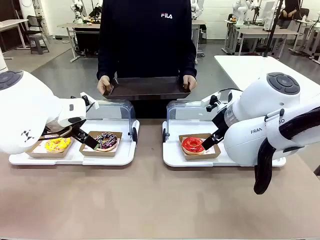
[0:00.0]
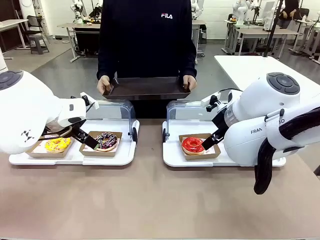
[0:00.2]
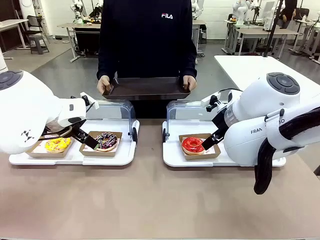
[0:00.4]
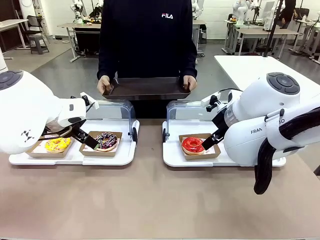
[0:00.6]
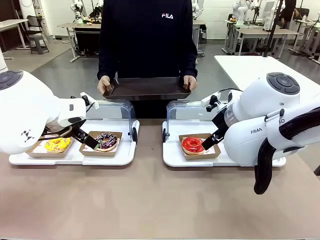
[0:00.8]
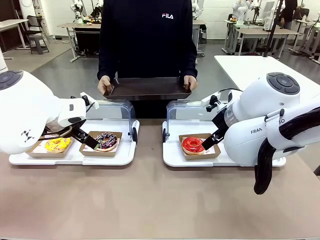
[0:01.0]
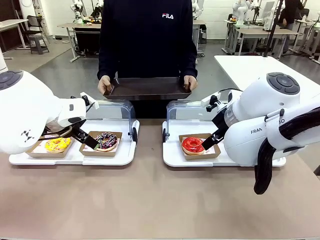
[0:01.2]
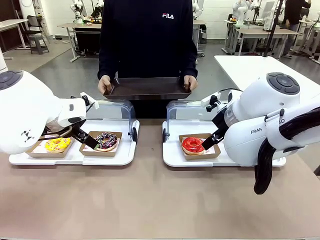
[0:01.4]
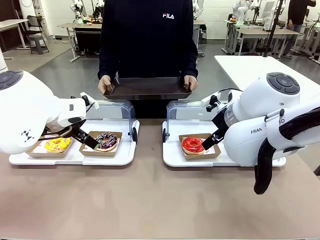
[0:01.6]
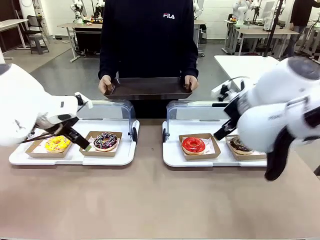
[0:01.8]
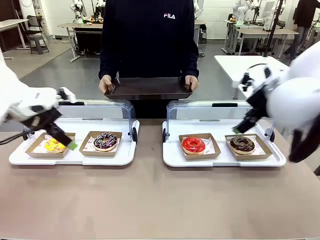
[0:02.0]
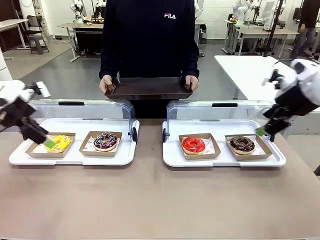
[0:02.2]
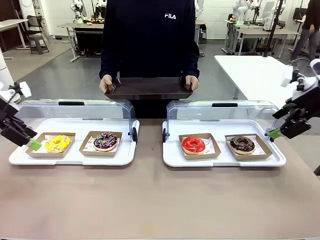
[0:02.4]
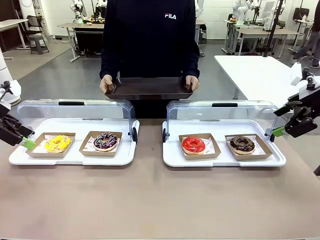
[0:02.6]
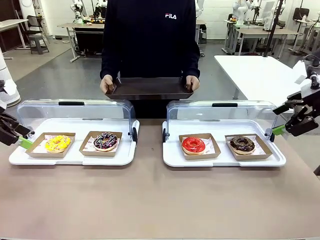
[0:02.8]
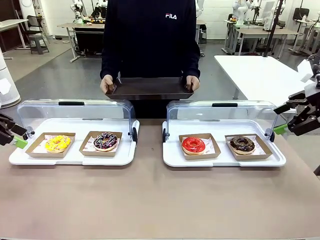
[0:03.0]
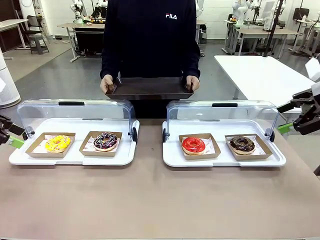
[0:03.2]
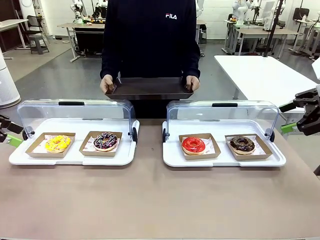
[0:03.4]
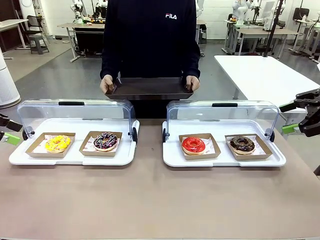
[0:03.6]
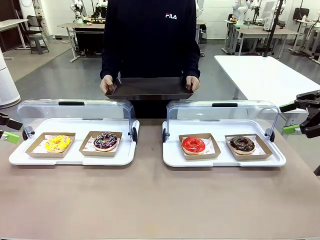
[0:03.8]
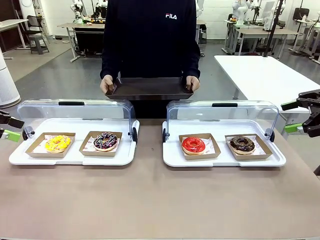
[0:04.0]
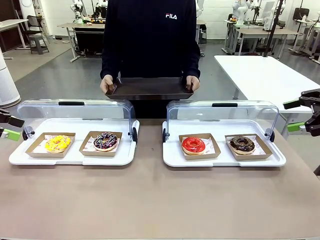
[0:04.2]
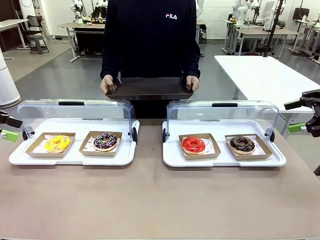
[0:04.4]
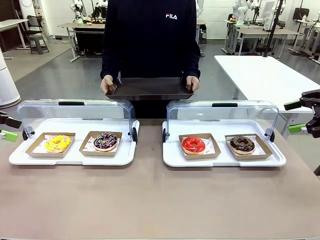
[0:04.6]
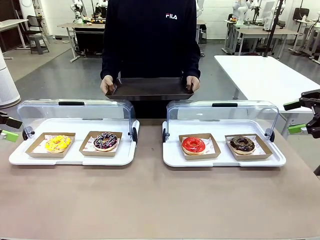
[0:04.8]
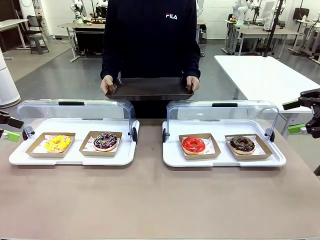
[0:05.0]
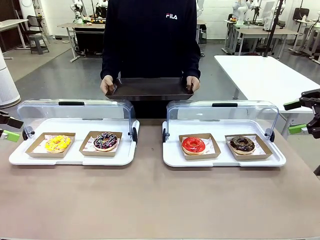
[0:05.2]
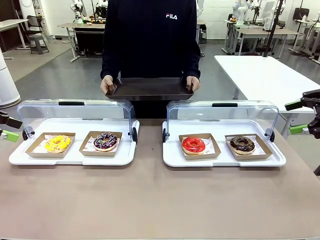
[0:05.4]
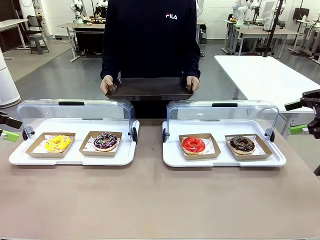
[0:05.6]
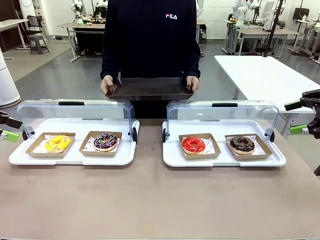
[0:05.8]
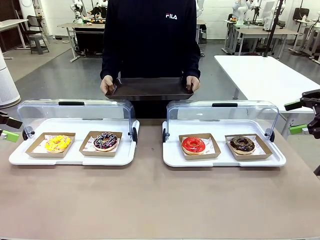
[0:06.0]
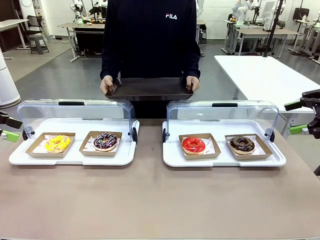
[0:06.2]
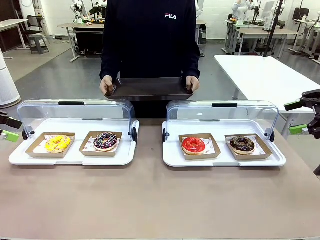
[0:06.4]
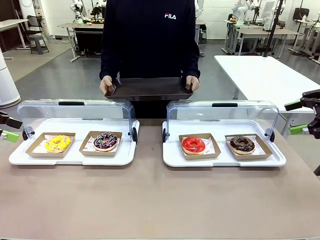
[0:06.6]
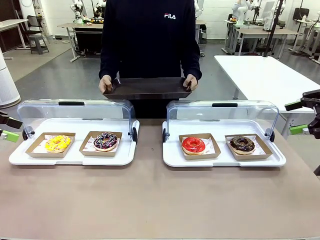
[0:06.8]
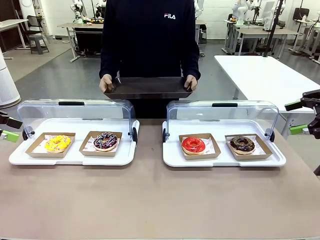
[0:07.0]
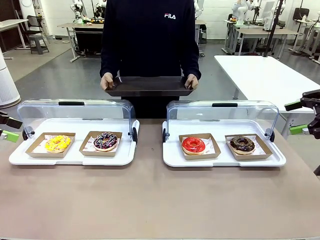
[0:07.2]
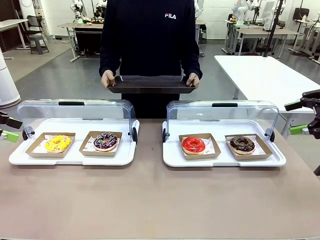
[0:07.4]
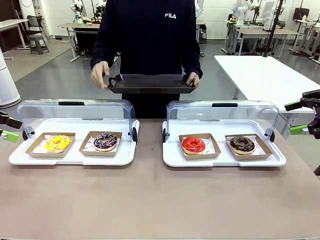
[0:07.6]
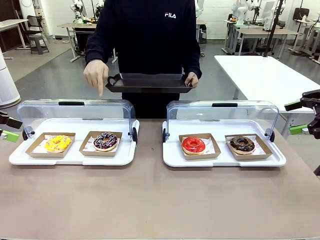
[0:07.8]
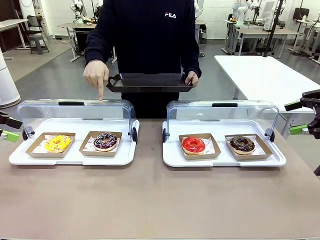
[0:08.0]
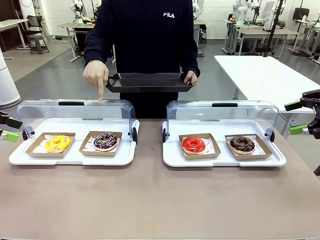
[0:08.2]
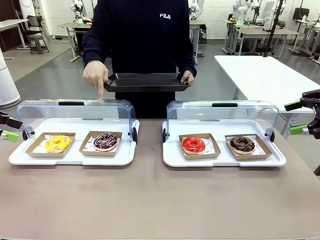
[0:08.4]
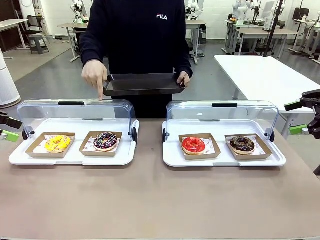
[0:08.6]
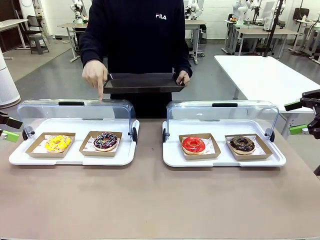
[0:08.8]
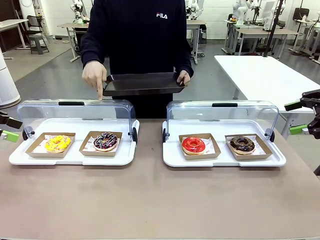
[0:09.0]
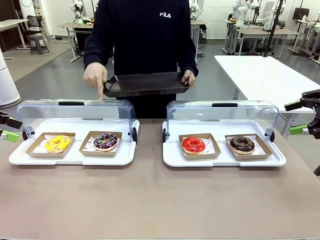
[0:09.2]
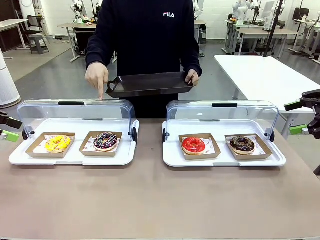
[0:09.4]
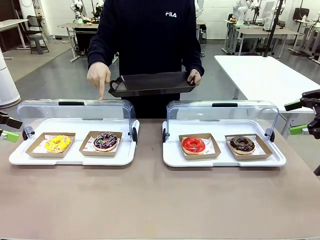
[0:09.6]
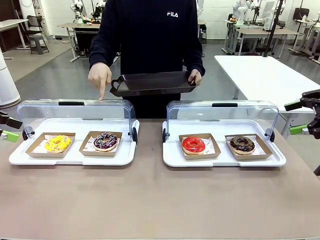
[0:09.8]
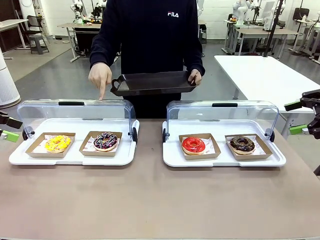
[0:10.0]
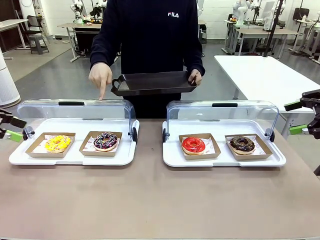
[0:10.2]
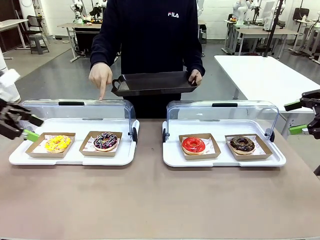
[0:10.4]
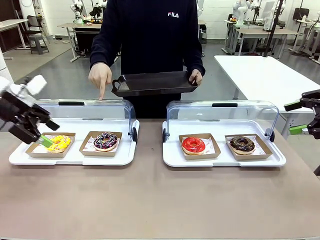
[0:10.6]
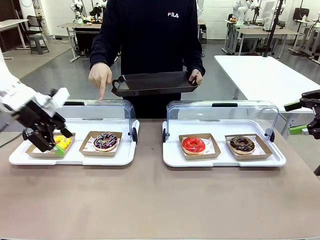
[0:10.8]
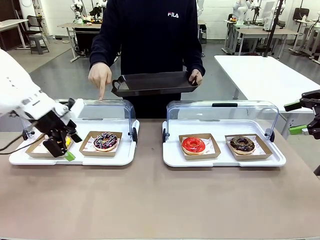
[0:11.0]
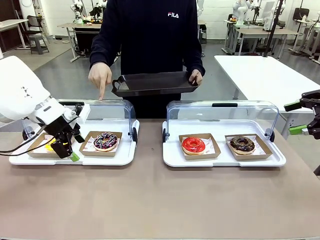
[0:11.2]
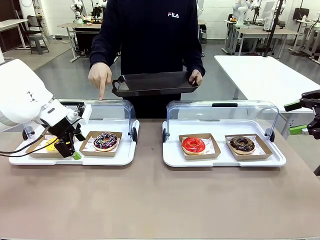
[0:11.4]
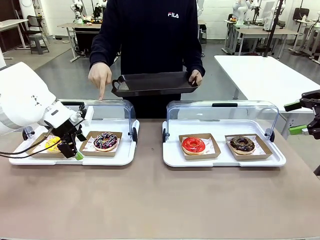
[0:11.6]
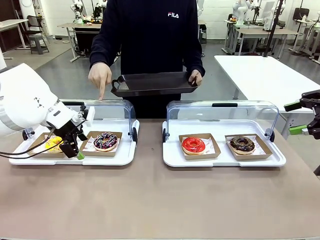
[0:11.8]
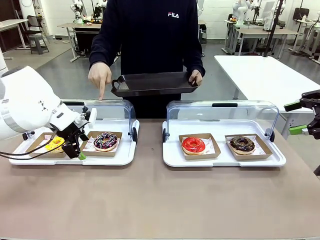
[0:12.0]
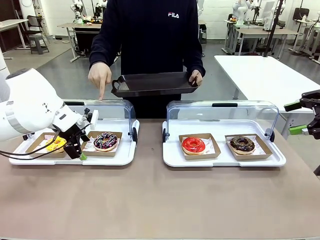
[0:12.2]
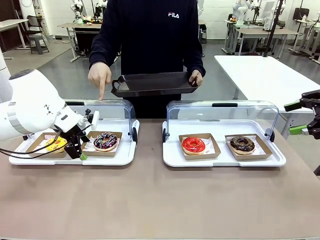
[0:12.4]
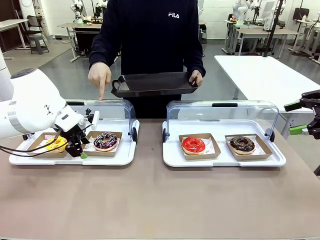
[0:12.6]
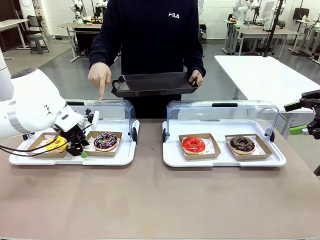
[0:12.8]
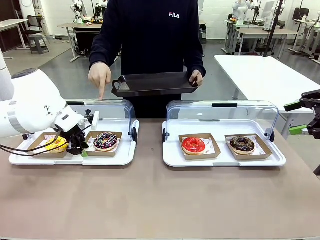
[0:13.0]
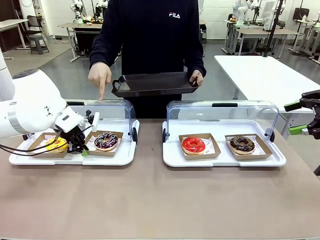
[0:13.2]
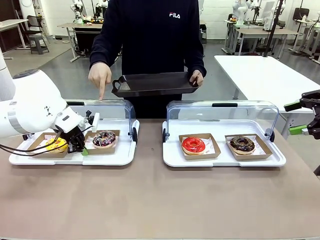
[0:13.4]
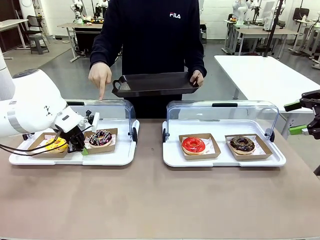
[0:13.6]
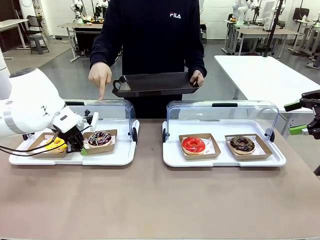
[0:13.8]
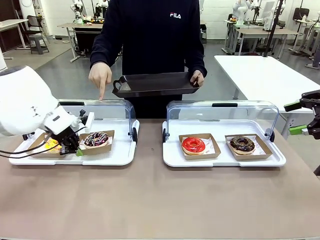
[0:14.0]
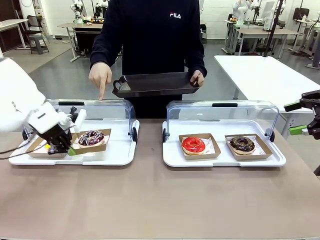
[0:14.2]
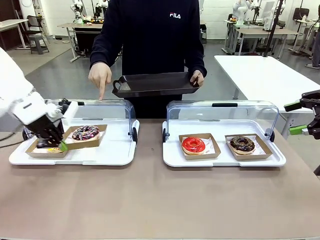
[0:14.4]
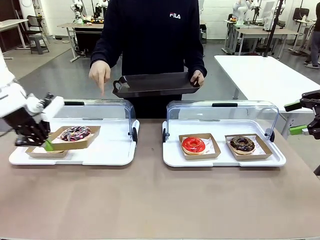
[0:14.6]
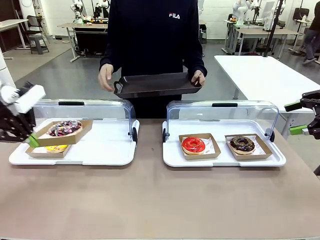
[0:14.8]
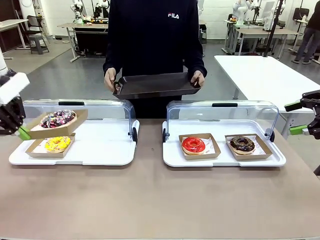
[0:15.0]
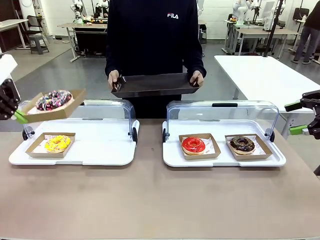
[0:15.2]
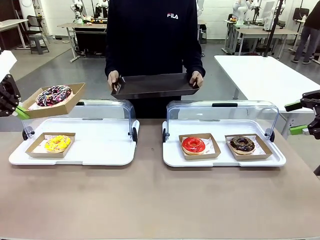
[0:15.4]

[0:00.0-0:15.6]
Task: Provide the desired donut to the person.
Robot: Pick up and lift the Paper togo box containing the Donut pointed at by the person.
Person: Point to one donut. Lift the tray onto the Roll-Top Bakery Case.

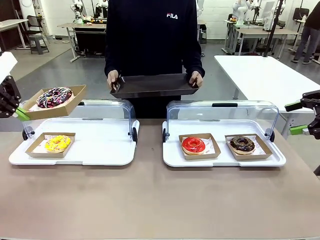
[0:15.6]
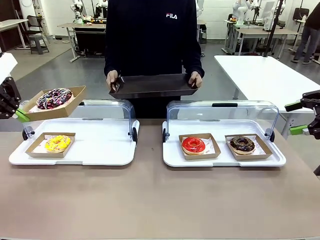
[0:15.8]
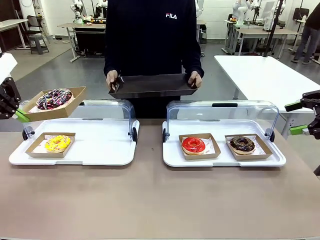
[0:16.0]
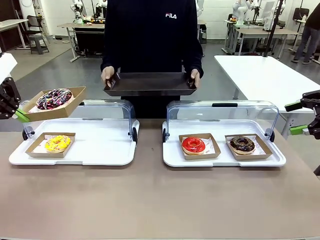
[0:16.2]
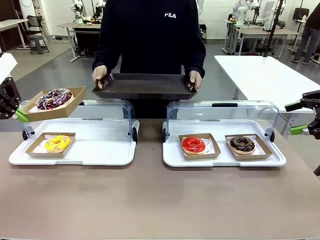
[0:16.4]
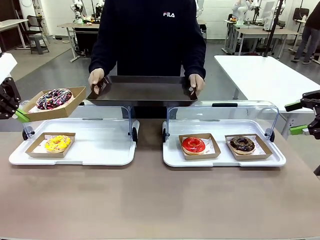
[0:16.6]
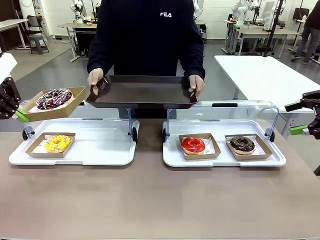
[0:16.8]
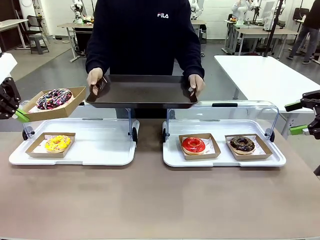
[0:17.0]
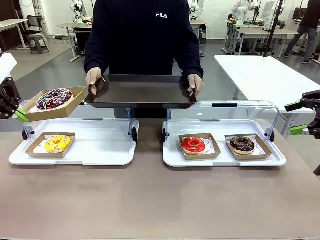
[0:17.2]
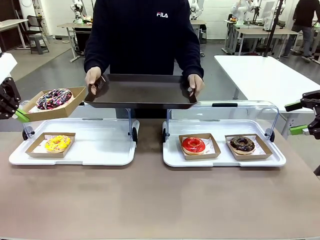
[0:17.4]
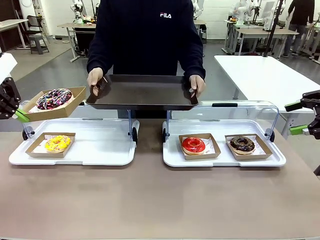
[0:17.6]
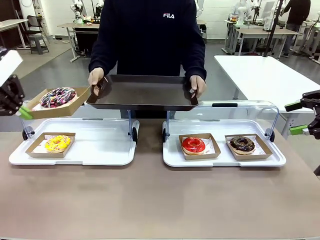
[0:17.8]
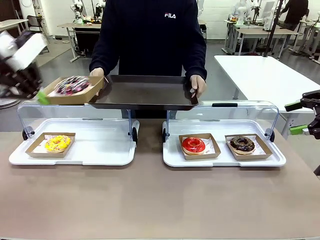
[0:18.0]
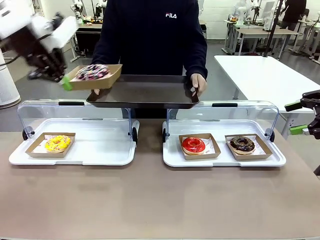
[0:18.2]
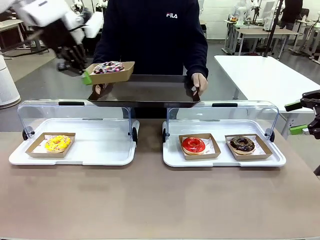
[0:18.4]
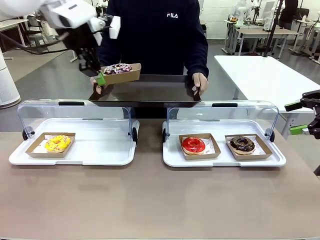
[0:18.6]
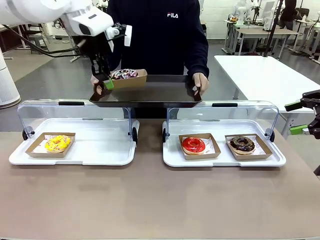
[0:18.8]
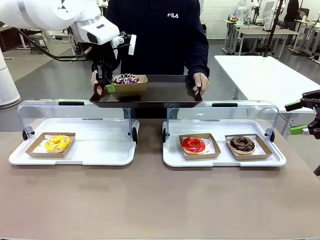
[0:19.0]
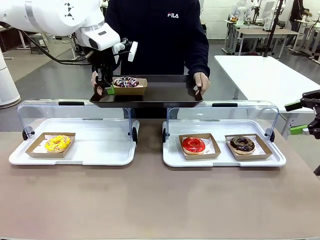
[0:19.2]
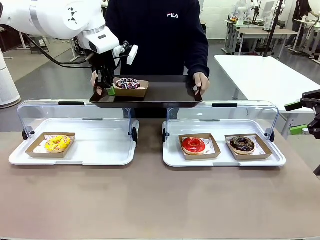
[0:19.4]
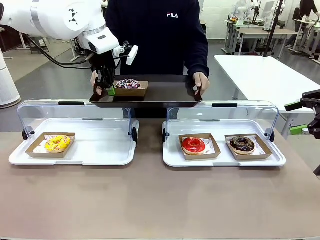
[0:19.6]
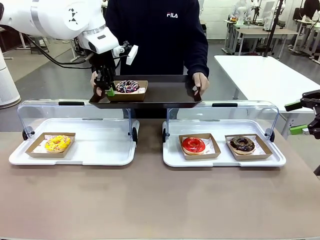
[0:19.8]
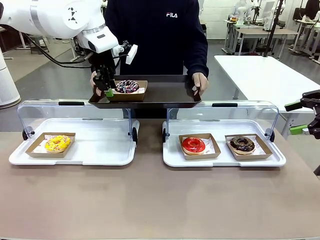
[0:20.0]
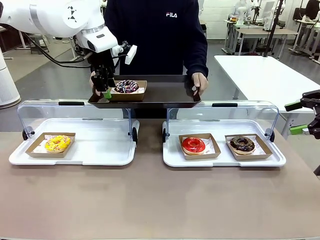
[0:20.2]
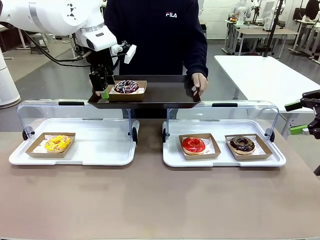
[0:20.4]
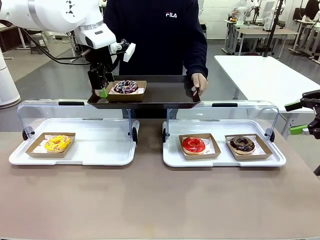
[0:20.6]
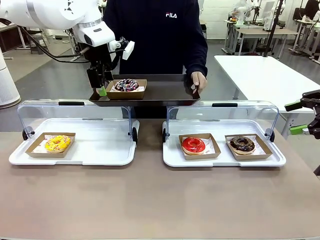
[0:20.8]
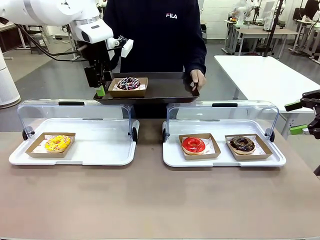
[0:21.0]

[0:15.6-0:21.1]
Robot: Place the picked Paper togo box onto the Handle tray extended by the person.
